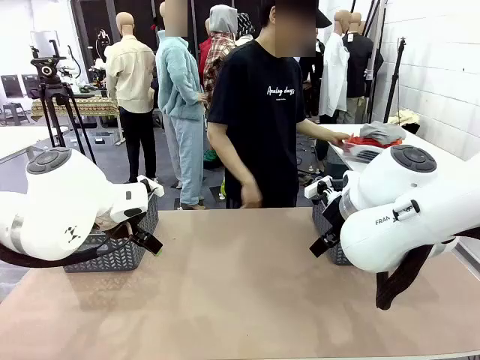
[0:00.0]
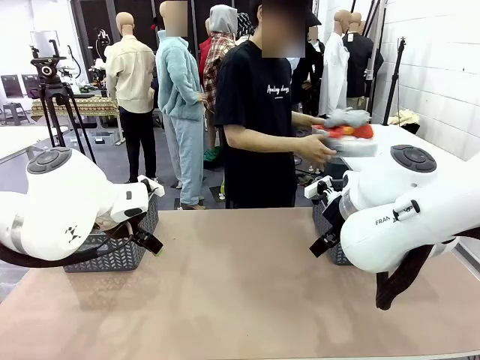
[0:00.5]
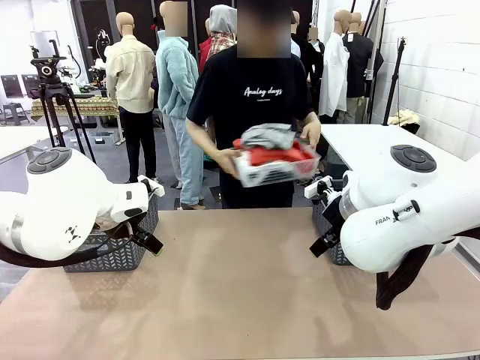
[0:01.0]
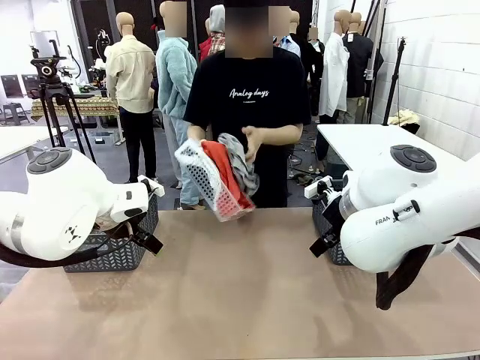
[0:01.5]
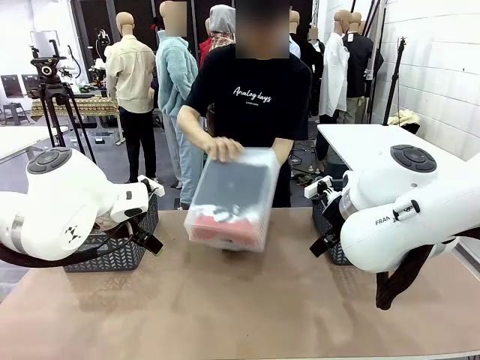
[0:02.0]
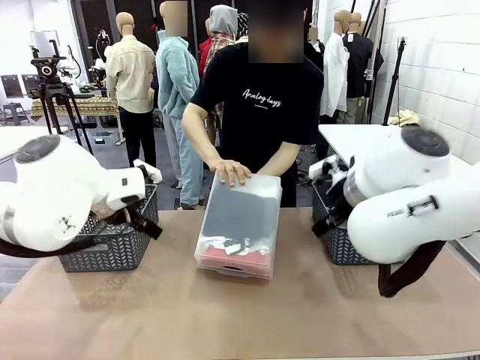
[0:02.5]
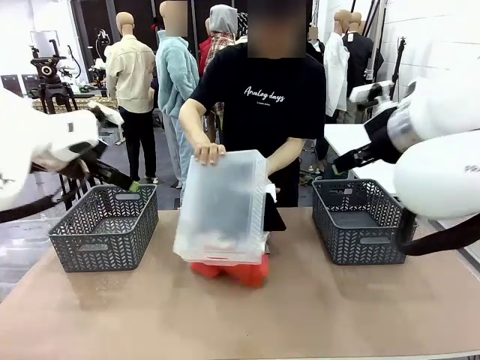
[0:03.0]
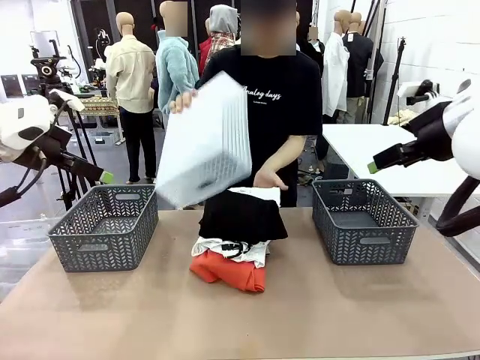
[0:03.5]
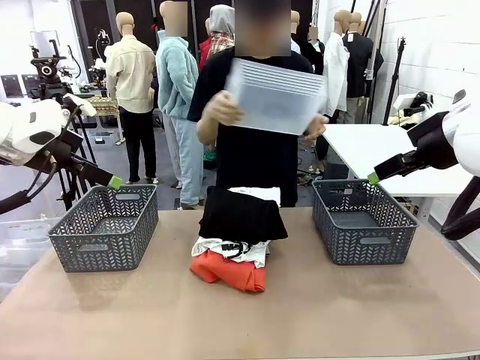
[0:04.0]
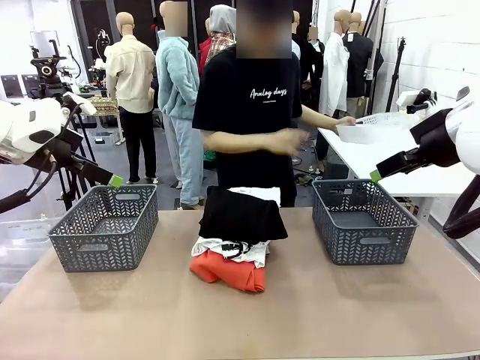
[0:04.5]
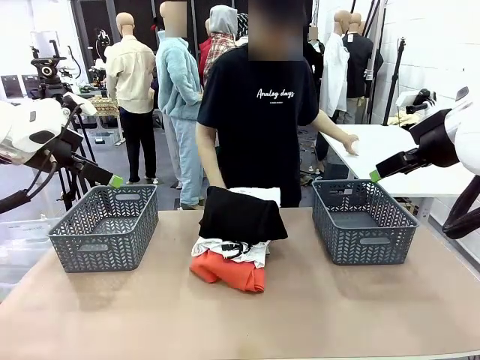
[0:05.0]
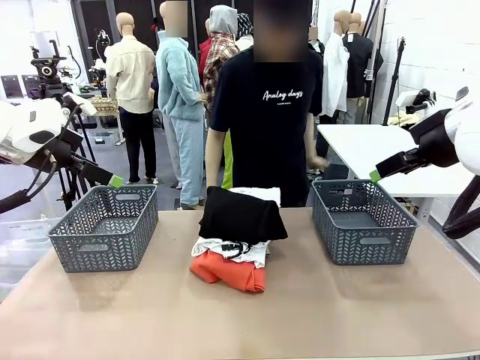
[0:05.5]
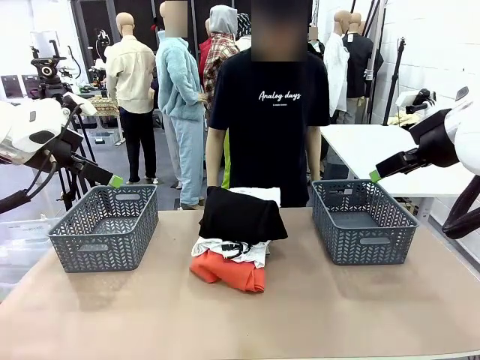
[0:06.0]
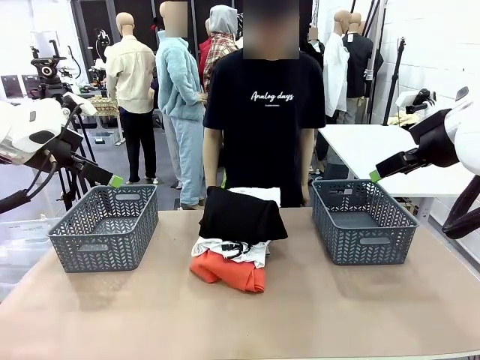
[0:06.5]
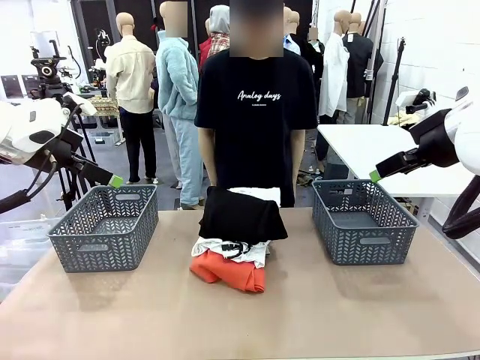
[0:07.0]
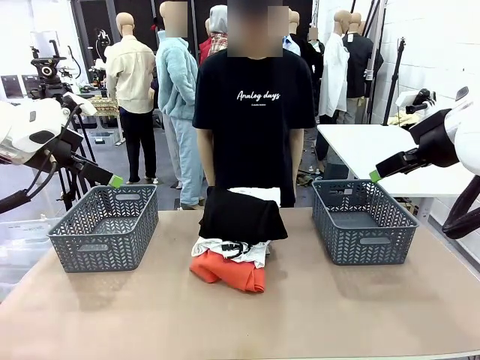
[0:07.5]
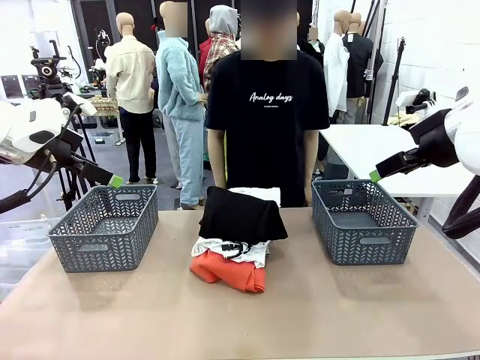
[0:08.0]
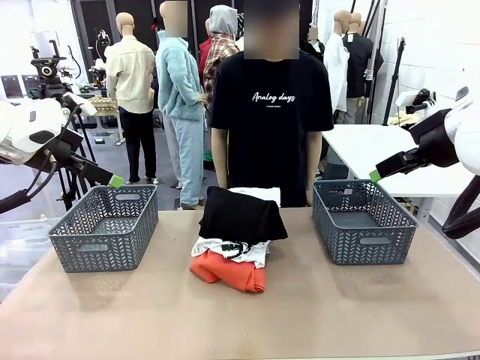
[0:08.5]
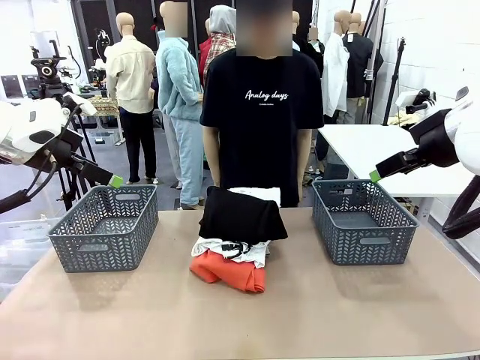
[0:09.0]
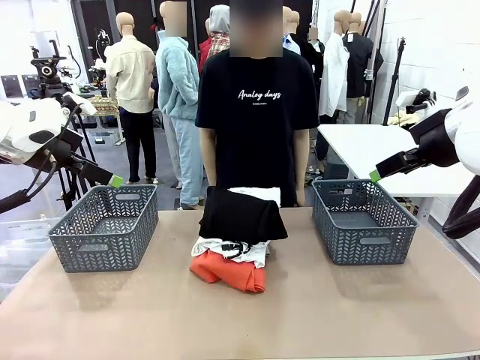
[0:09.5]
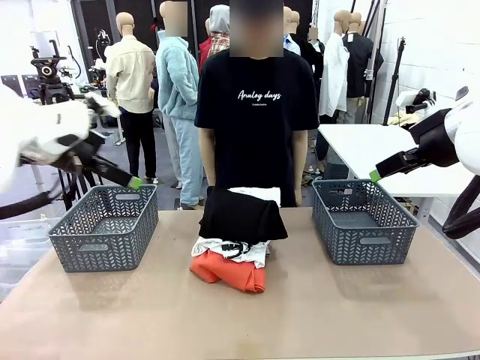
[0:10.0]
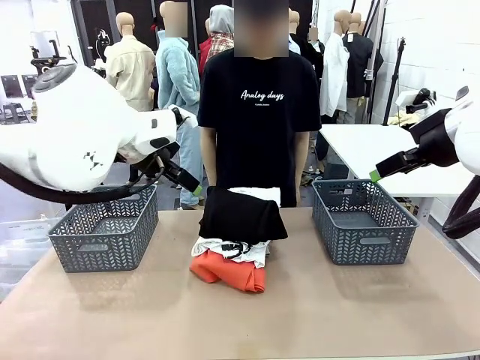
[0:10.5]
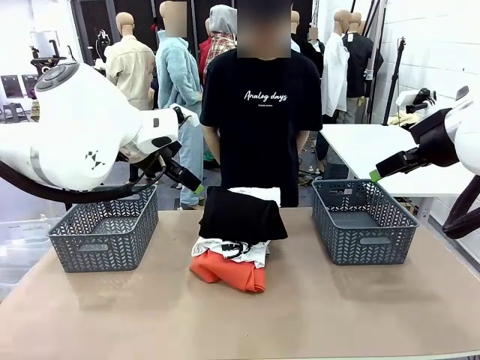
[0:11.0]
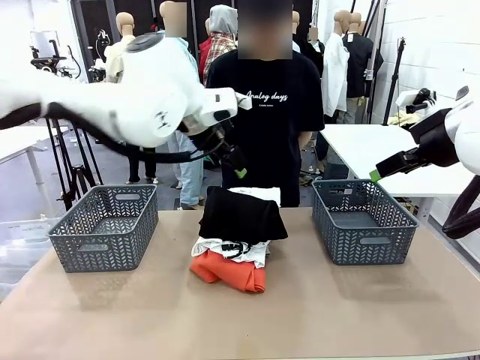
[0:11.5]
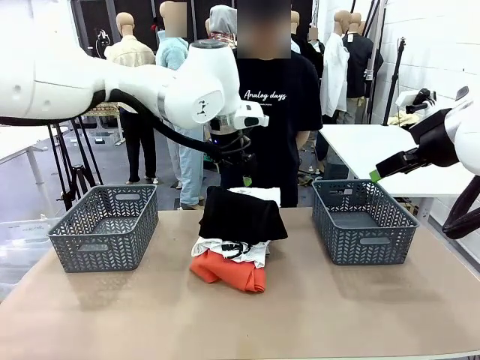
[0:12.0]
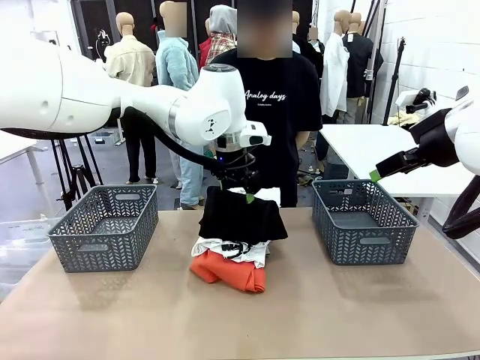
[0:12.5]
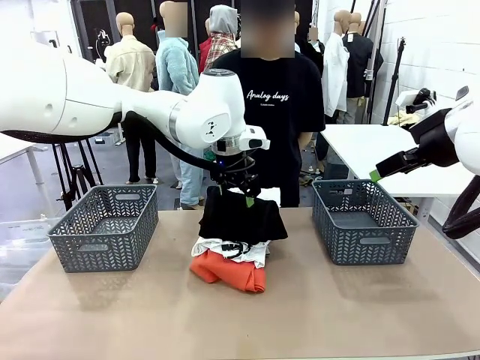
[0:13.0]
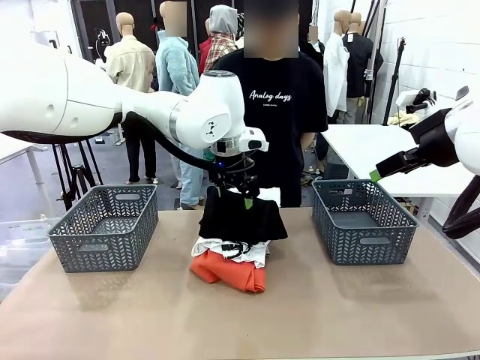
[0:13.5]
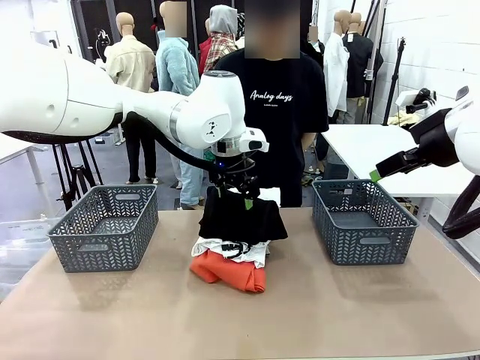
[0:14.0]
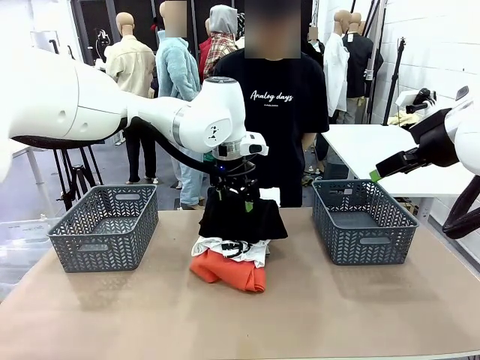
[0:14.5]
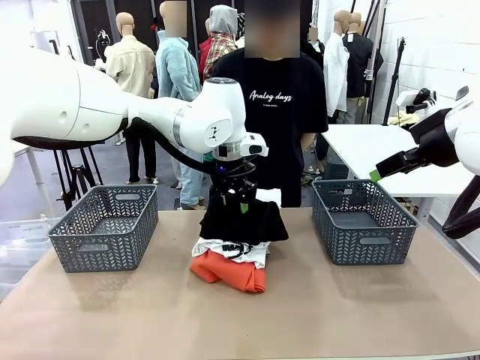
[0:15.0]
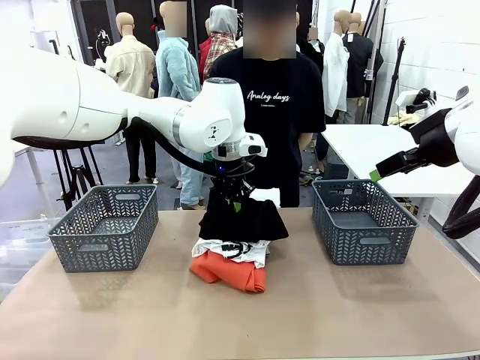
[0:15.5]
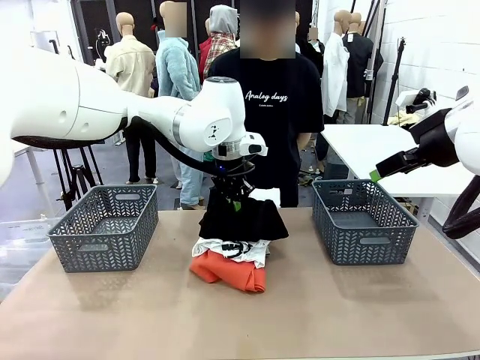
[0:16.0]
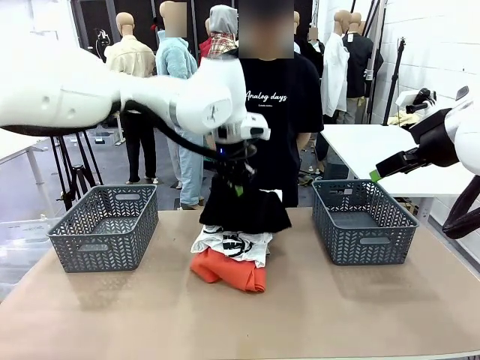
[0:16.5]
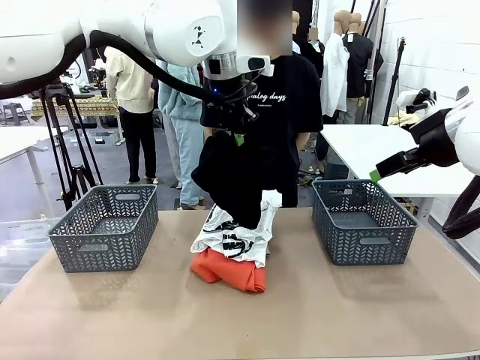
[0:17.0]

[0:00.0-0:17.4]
Task: Sort the tops and bottoms.
Robot: Lift clothes from the center of the table with your left hand.
Person: Pour the clothes from the basket onto the center of the robot table.

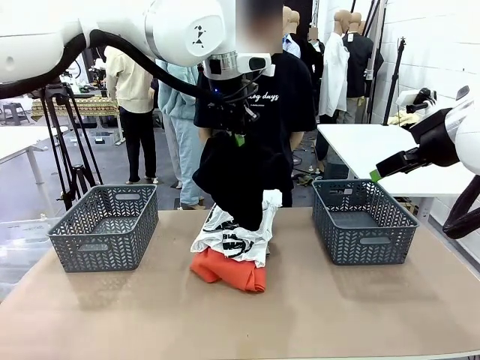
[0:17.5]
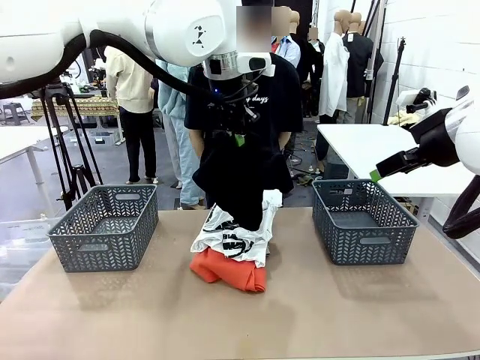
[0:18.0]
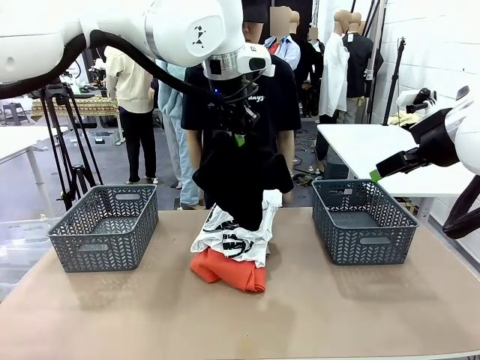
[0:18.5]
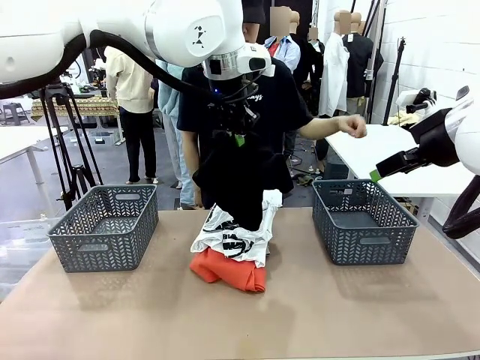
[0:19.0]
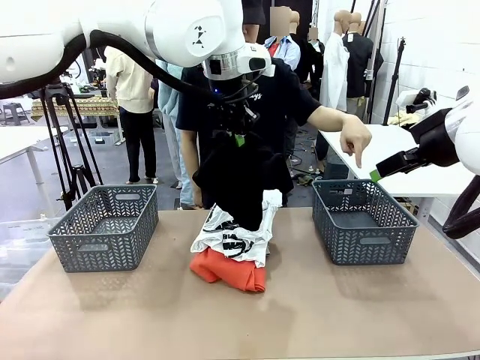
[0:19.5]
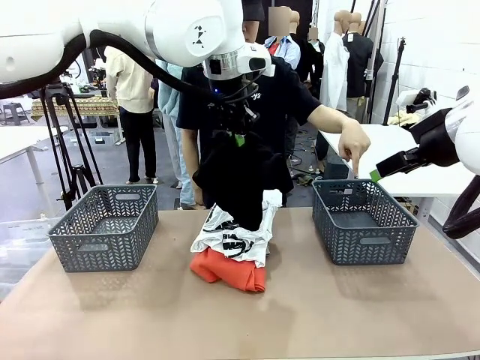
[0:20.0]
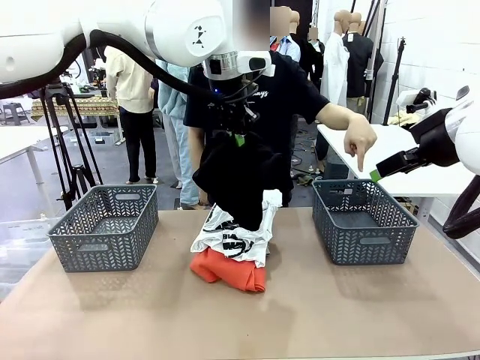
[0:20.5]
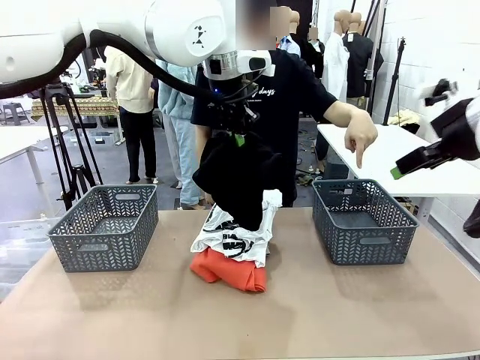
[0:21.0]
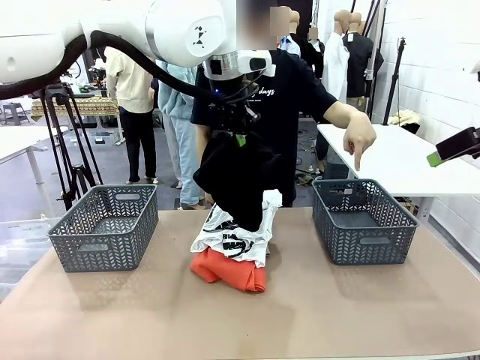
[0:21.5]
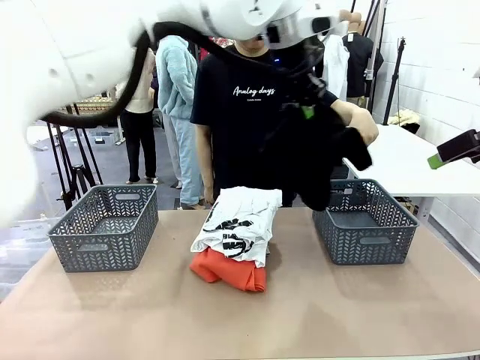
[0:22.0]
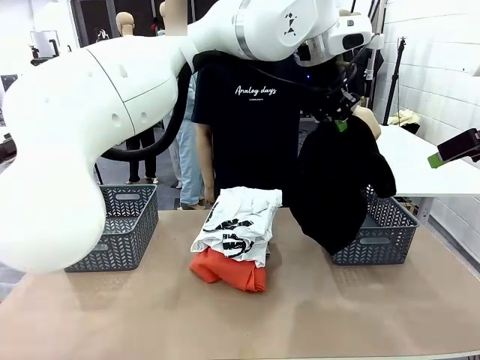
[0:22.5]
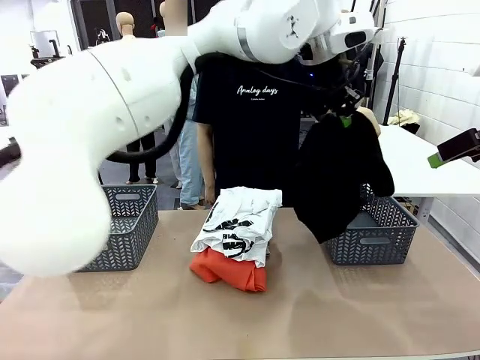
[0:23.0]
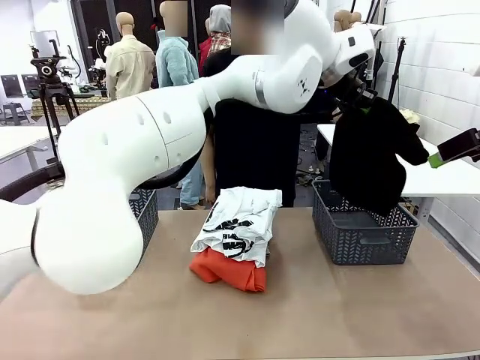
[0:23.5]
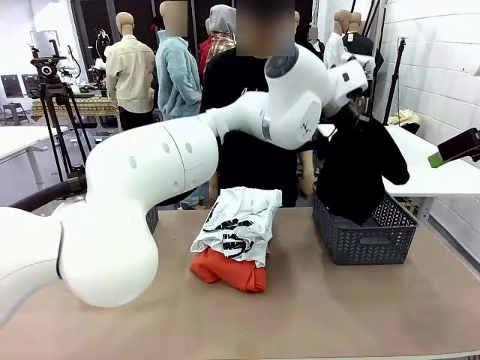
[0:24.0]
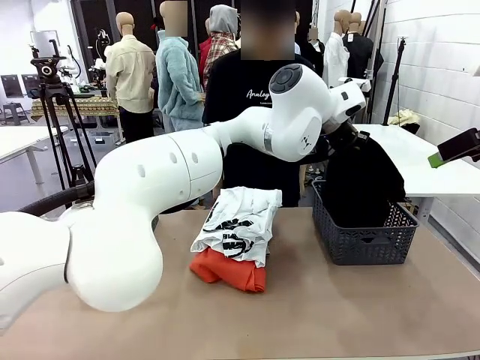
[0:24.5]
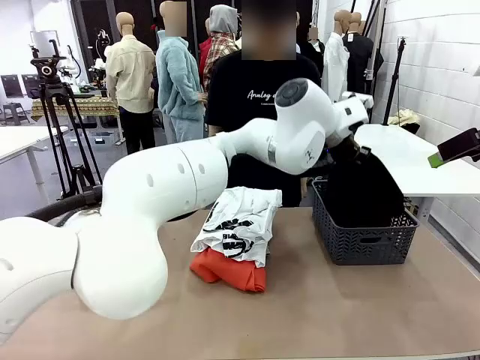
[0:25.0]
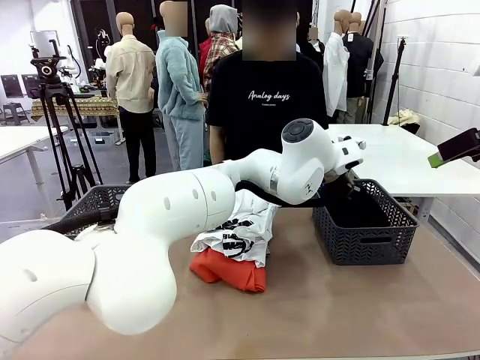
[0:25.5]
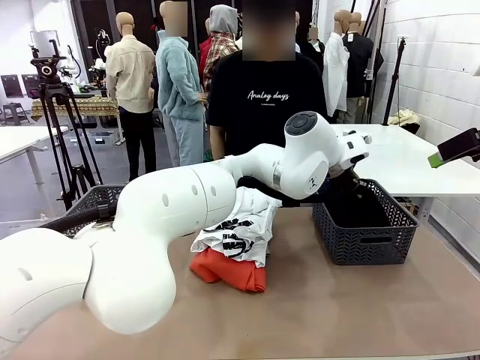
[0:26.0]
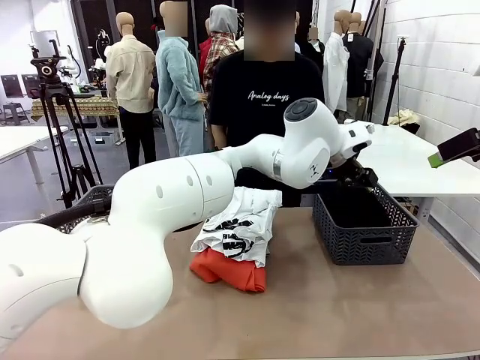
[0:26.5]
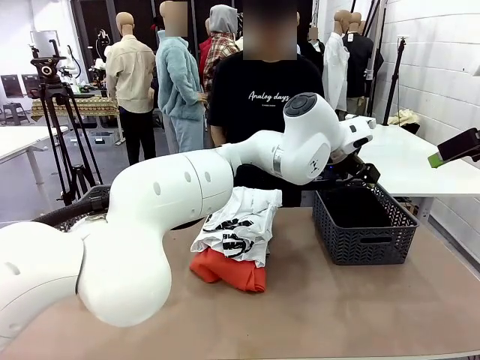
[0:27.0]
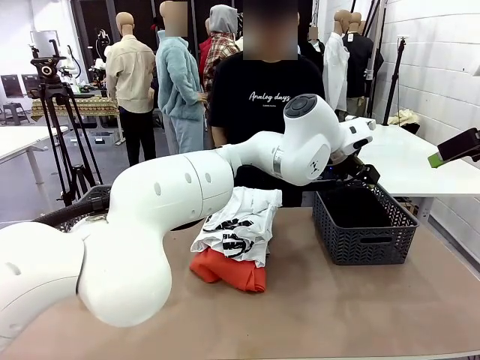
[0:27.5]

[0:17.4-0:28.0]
Robot: Sort the clothes according to human instructions.
